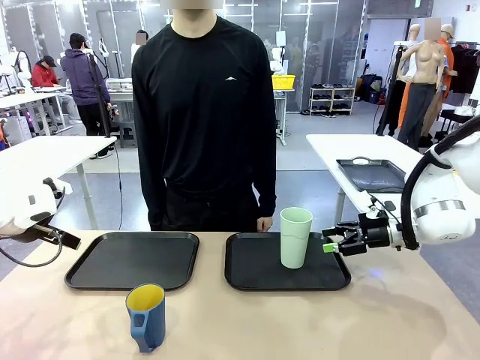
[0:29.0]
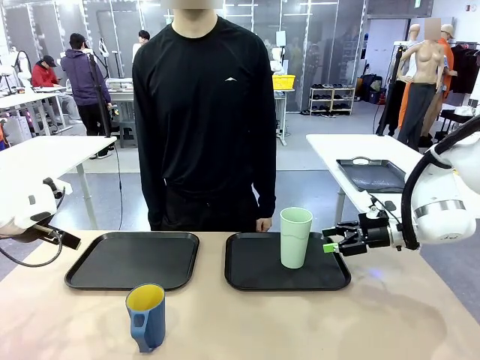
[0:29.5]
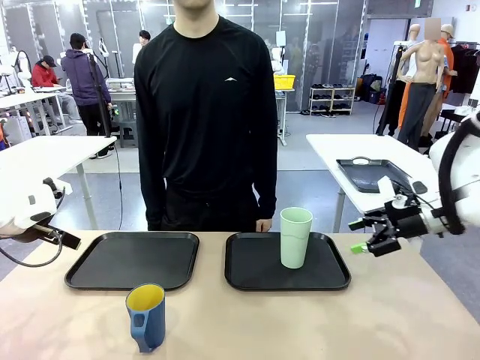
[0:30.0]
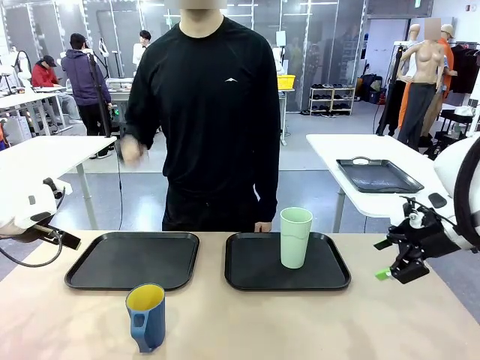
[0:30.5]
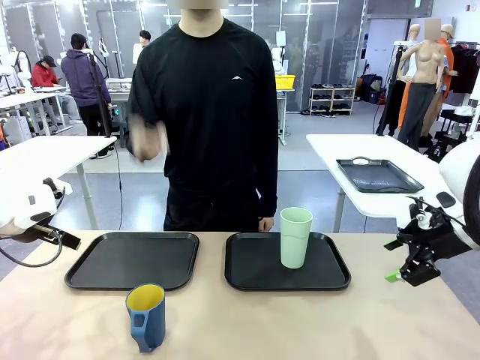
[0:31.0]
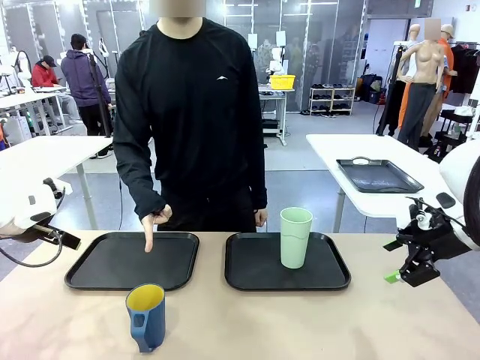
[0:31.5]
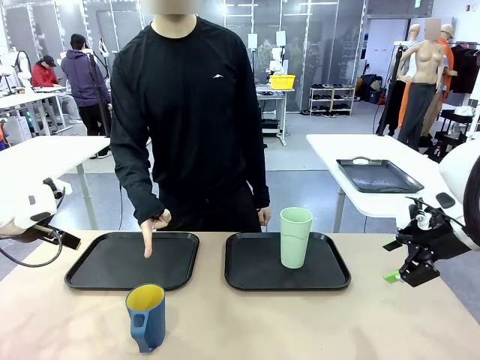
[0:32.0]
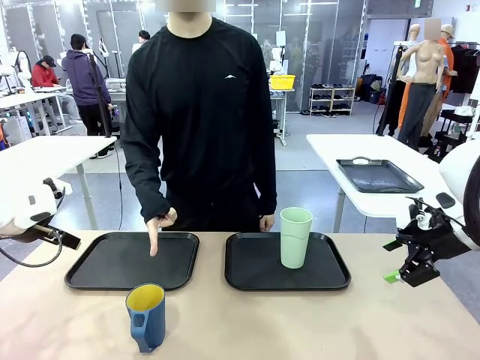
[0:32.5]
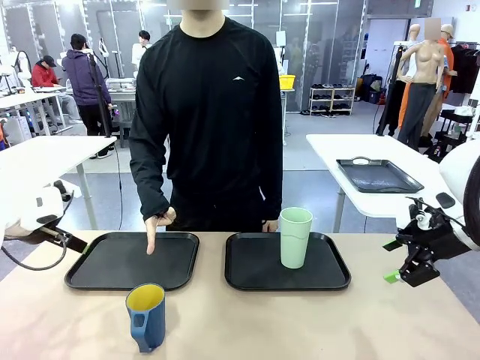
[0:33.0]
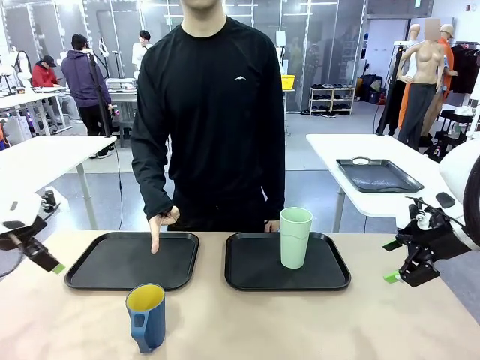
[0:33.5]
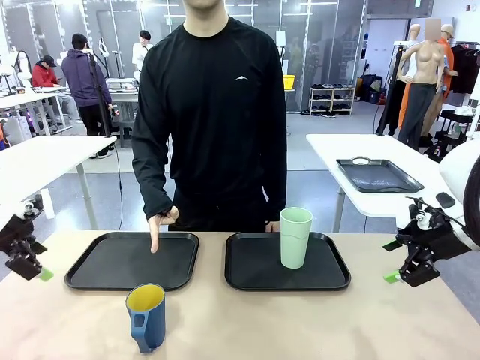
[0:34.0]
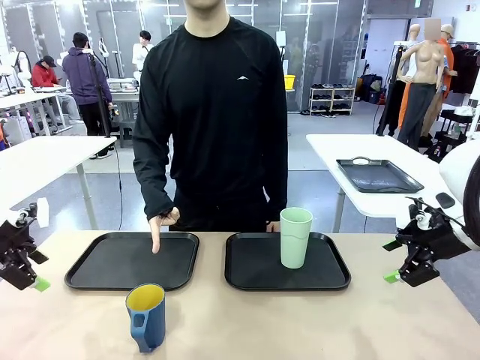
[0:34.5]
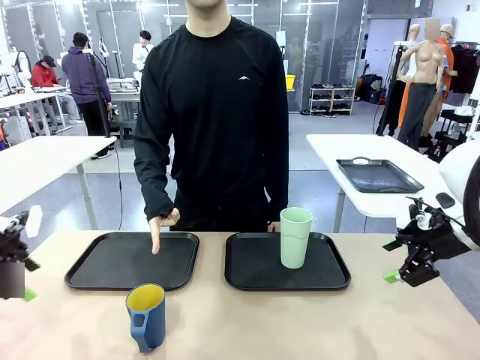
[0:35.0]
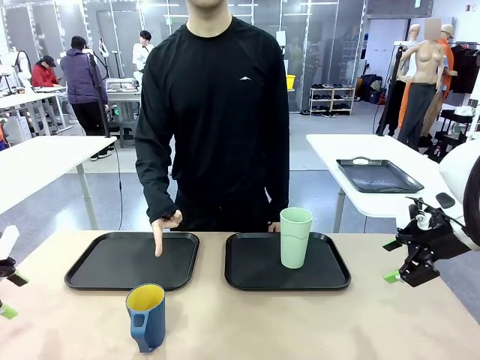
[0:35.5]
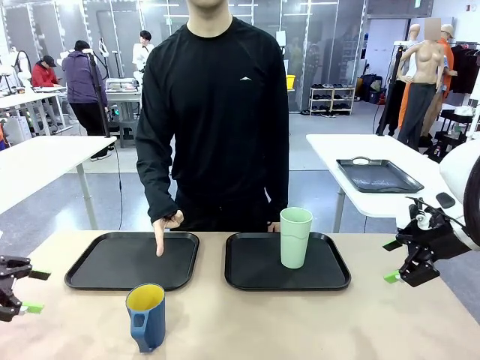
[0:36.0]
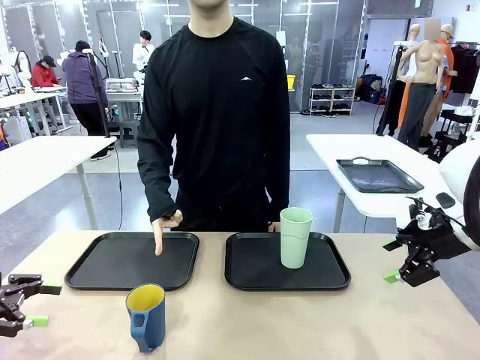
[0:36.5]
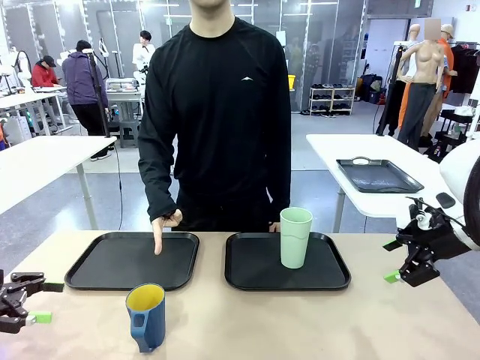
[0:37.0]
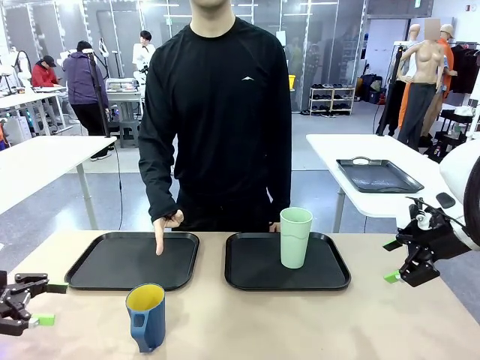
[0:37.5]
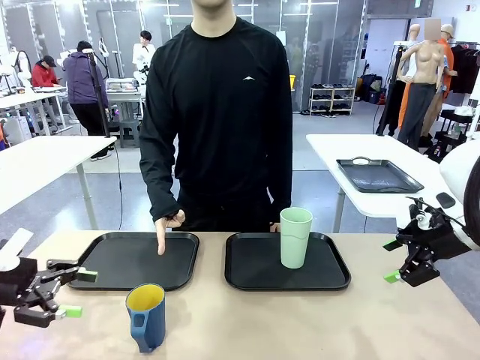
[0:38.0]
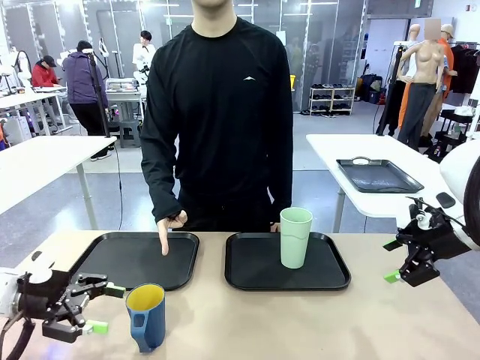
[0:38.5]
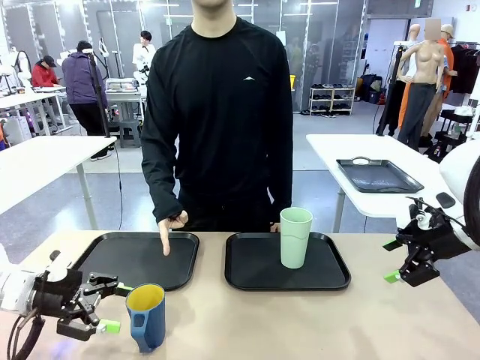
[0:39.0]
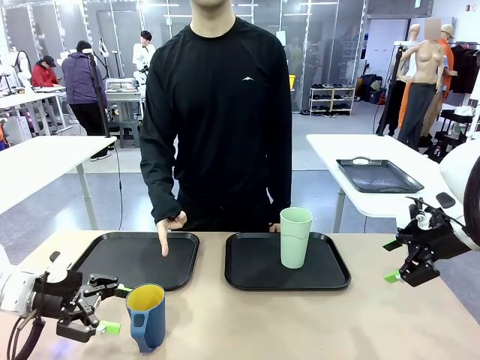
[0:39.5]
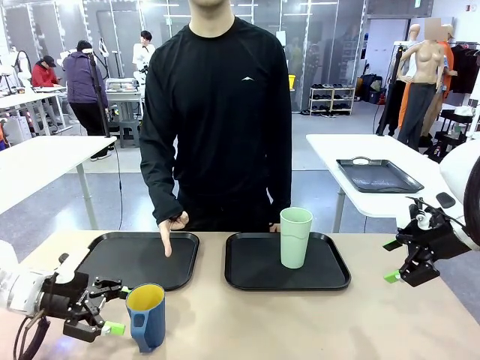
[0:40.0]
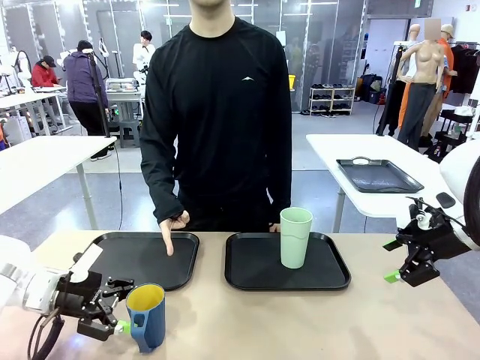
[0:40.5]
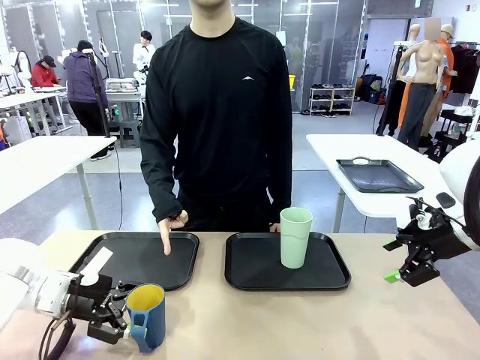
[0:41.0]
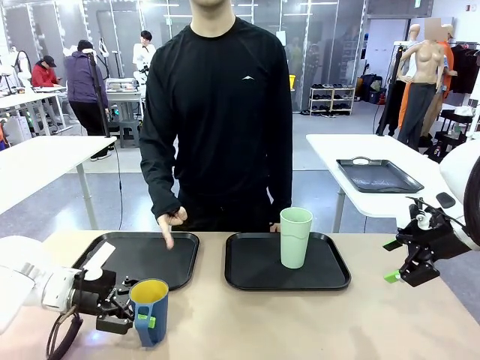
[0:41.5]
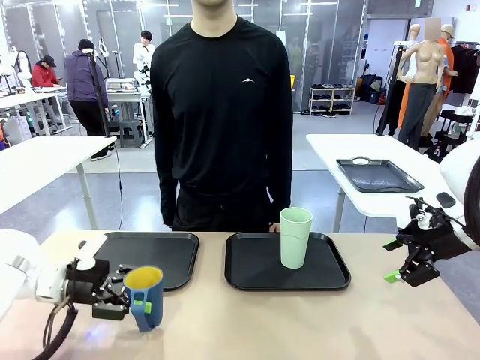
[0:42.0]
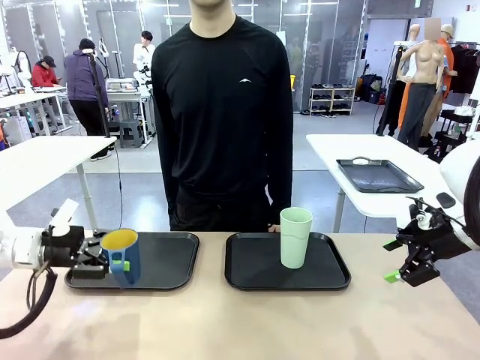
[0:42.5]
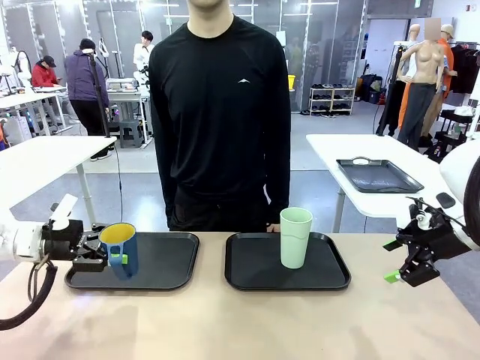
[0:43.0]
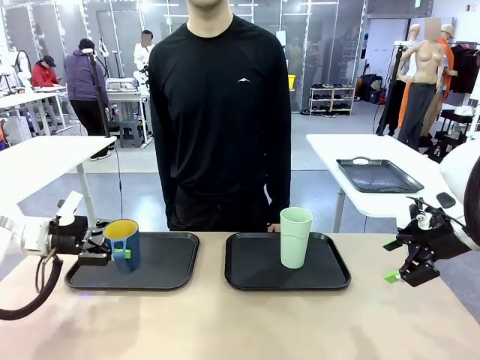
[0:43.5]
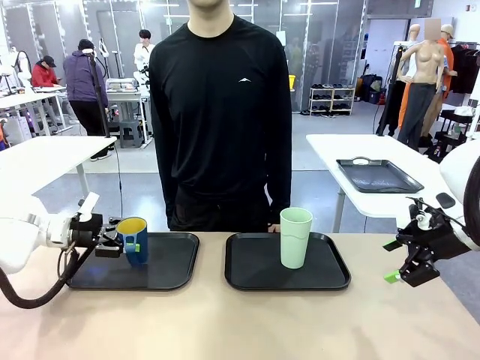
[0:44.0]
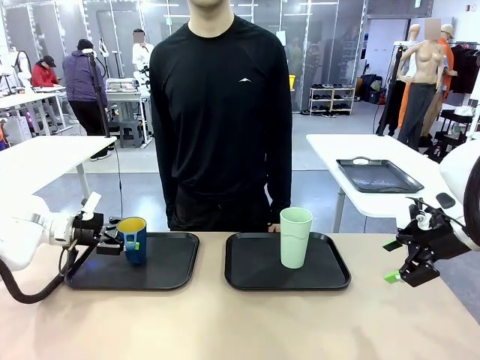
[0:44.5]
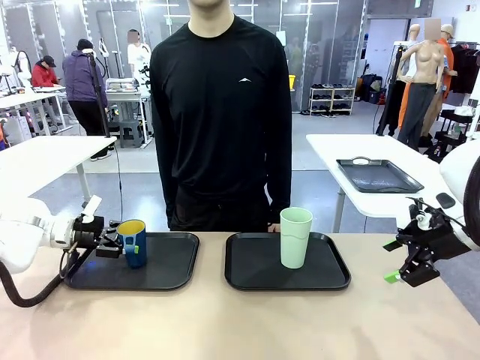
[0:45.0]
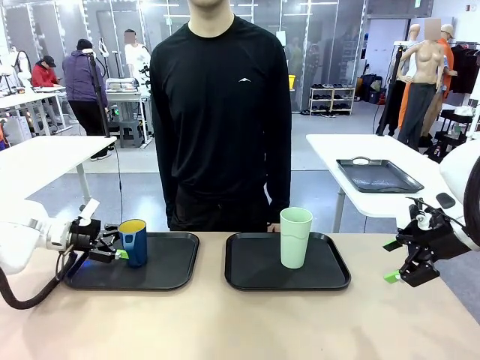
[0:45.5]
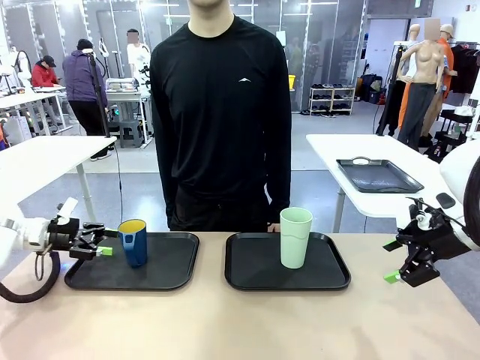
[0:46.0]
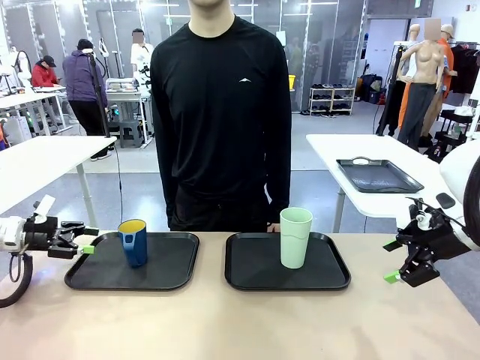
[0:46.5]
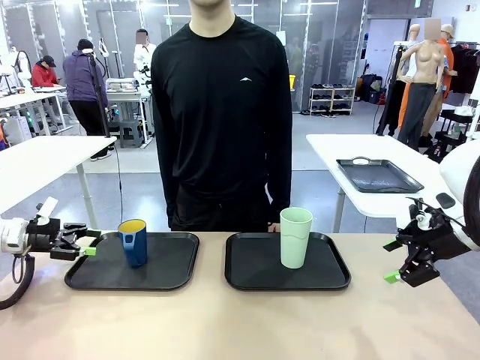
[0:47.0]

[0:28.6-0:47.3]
Task: Sort and store the cups by type.
Robot: Pick up the Handle plastic cup and place it into the empty Flat Tray.
Person: Points to the cup with a handle.

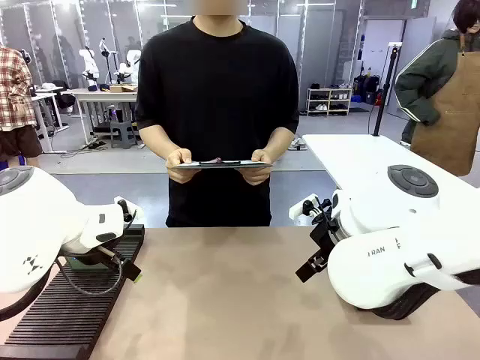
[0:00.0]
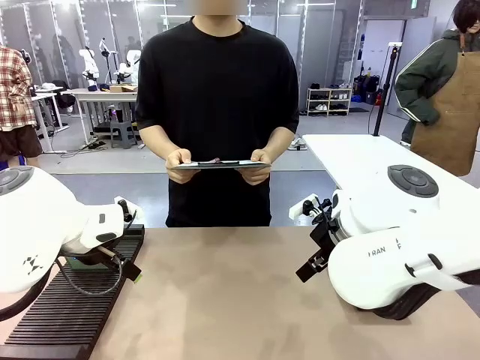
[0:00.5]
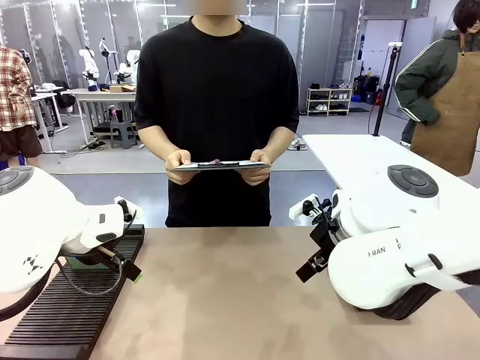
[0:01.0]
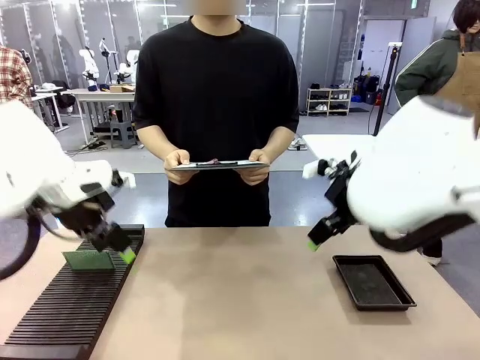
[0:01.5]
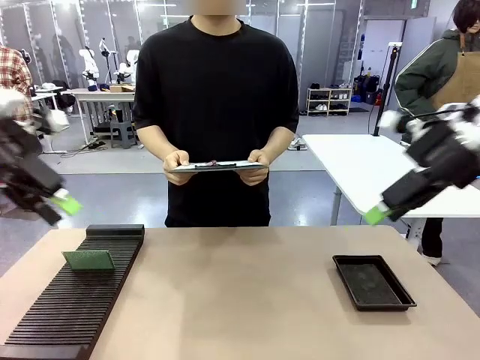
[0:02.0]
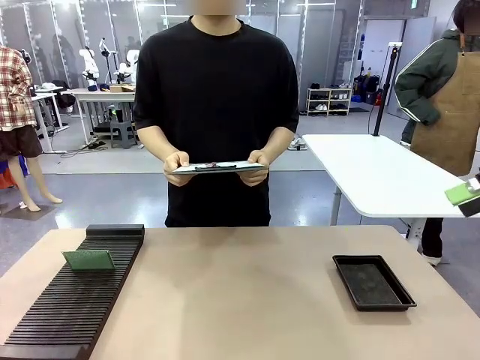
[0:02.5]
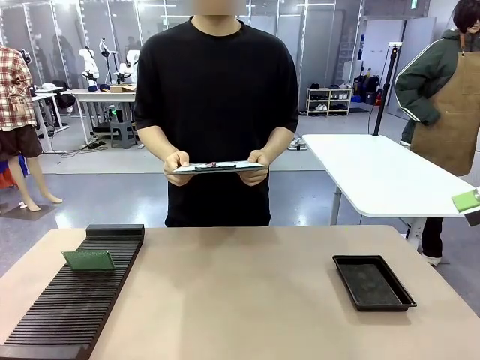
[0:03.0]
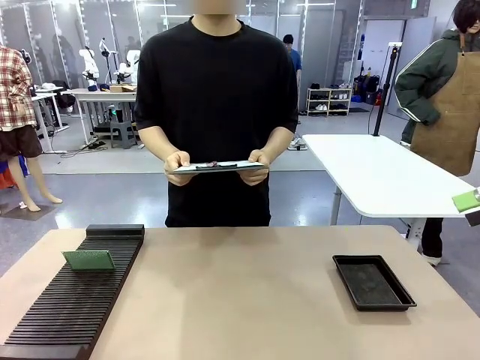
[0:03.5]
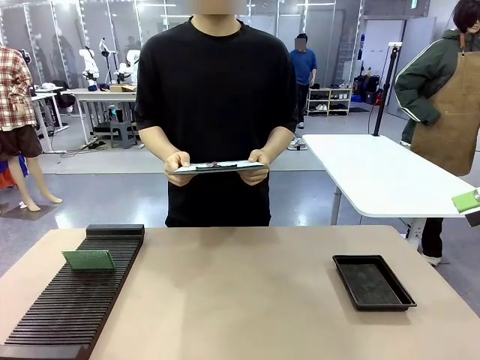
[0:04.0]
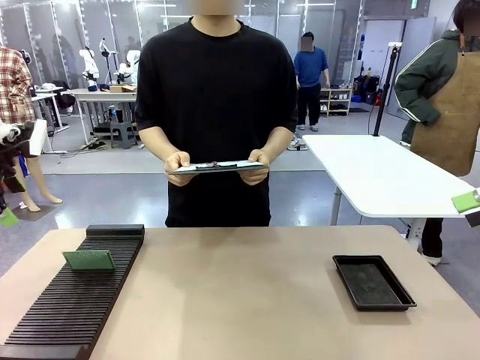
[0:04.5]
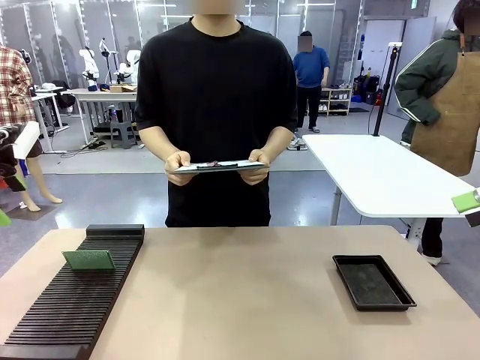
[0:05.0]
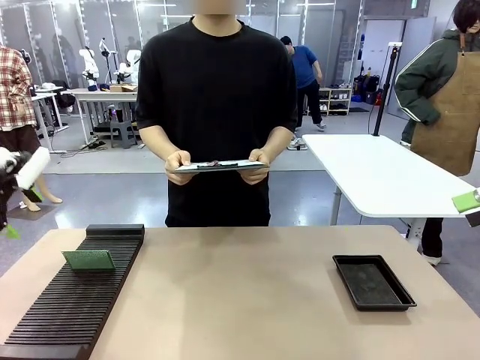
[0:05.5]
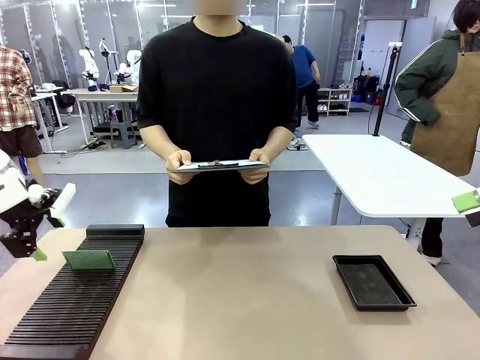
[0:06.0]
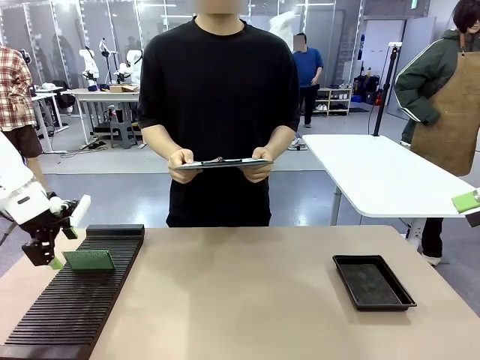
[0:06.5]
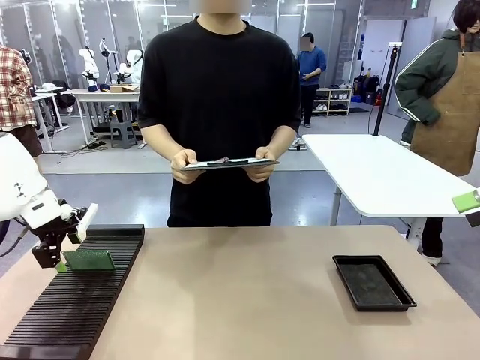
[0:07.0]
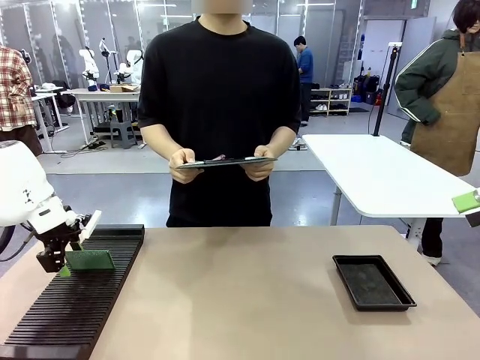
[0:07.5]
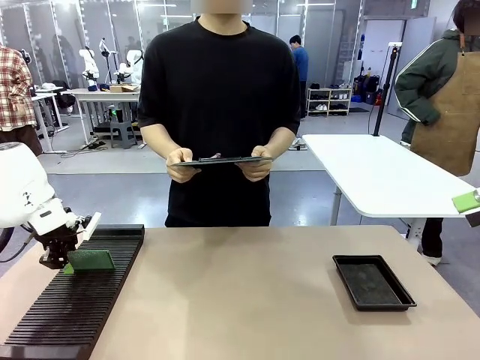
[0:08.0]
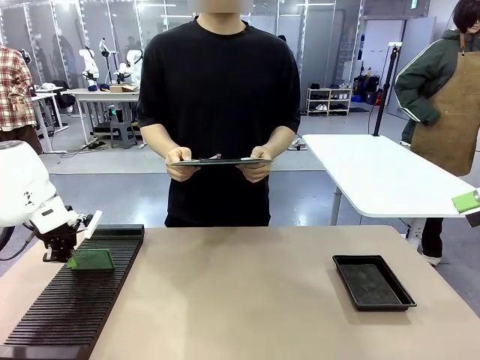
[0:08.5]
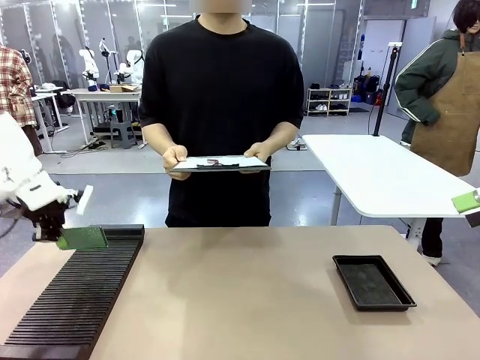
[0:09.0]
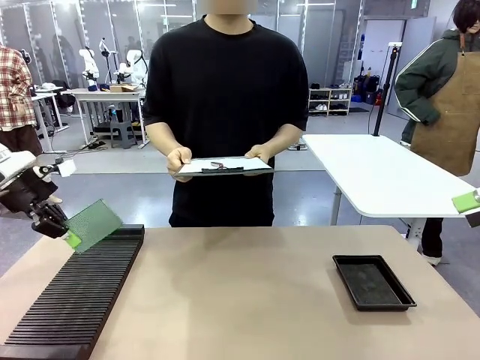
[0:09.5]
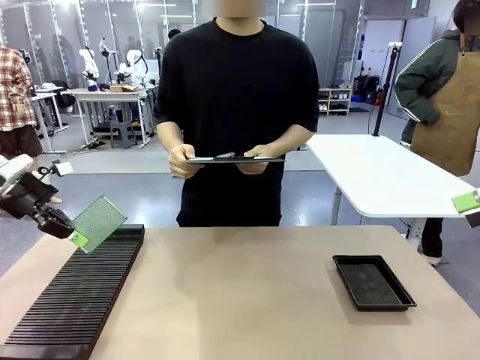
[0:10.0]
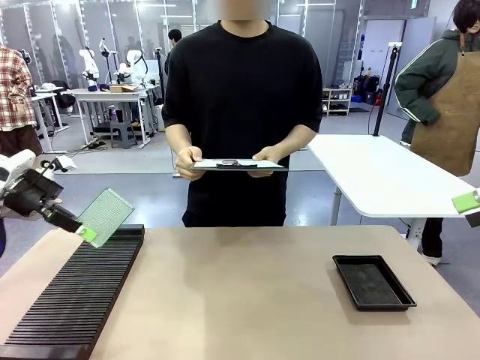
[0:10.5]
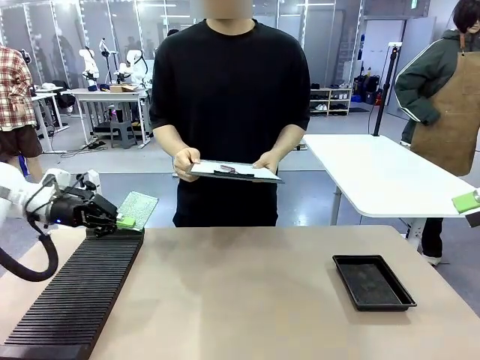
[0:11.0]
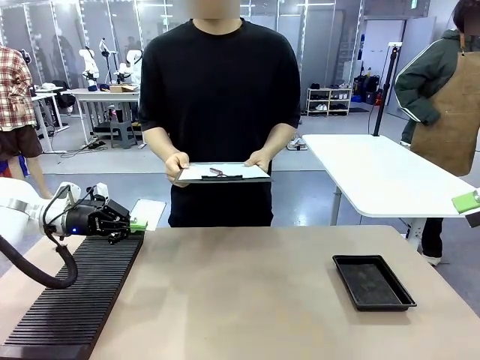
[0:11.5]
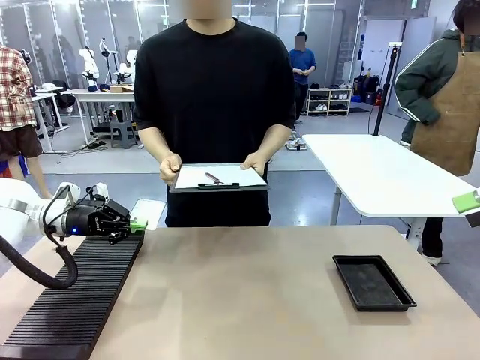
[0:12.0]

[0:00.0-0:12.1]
Task: Inspect the PCB.
Robot: Pick up the Blank PCB and present it to the human.
Person: Pick up the PCB presented by the robot.
